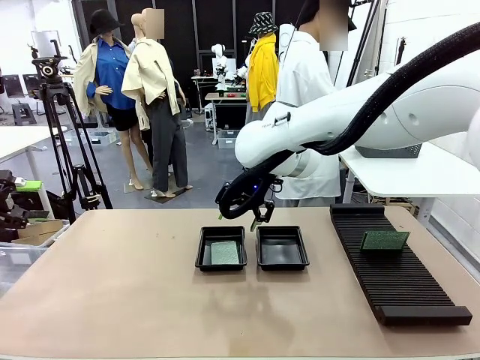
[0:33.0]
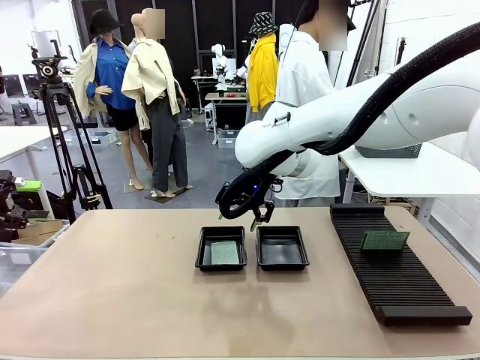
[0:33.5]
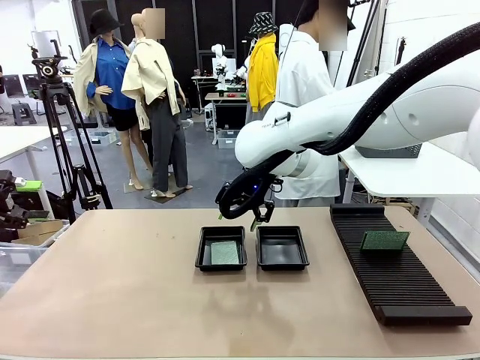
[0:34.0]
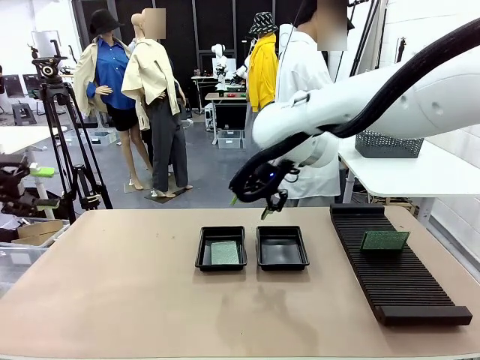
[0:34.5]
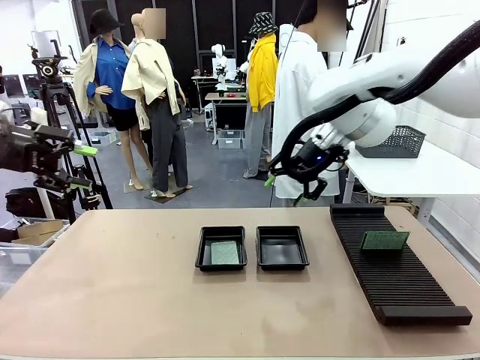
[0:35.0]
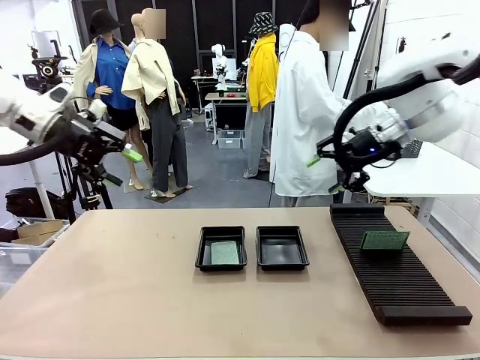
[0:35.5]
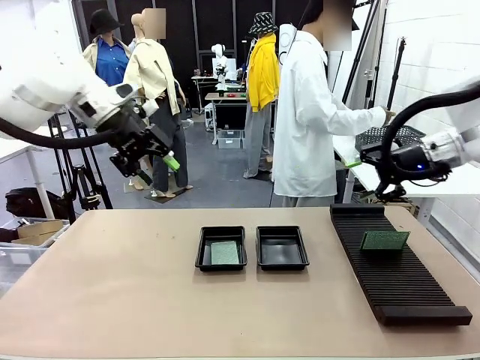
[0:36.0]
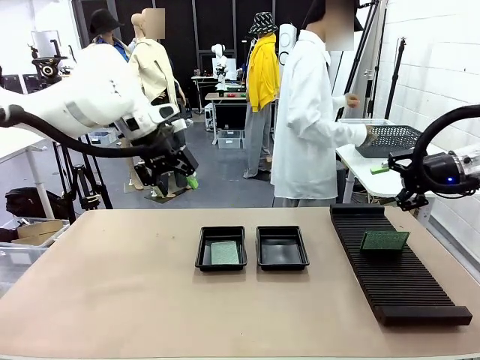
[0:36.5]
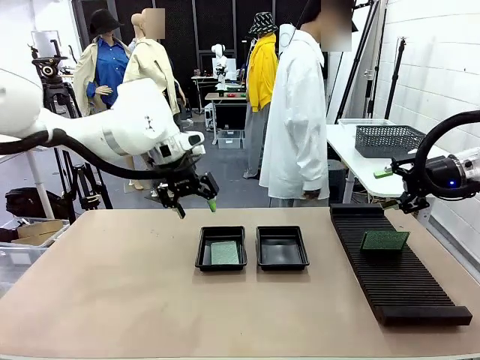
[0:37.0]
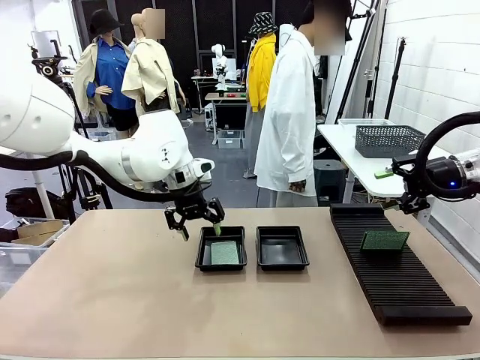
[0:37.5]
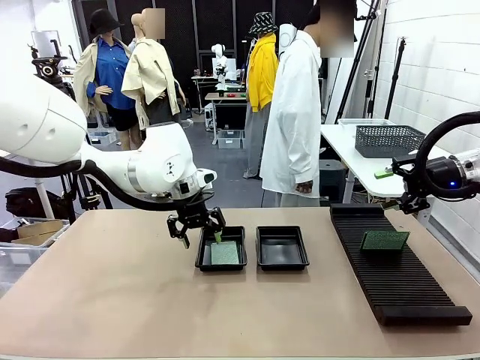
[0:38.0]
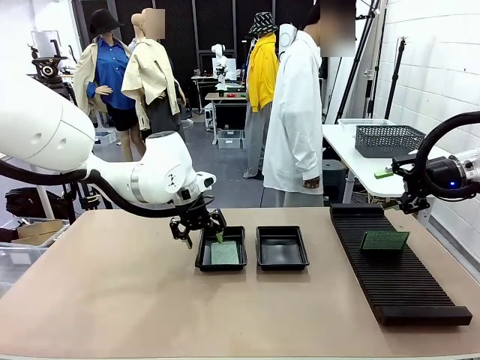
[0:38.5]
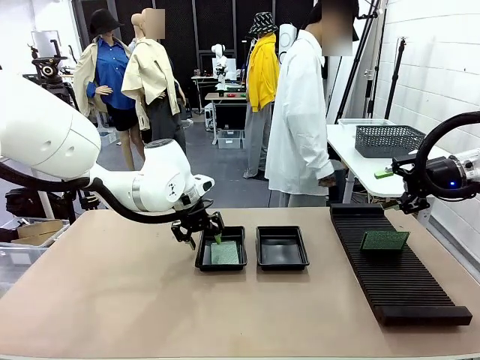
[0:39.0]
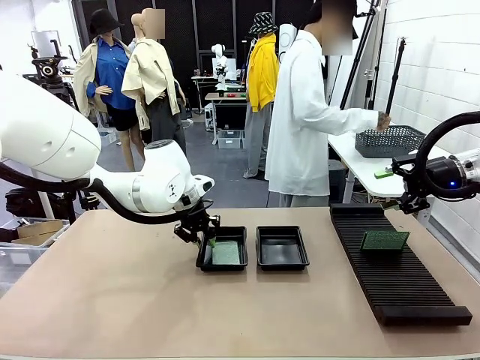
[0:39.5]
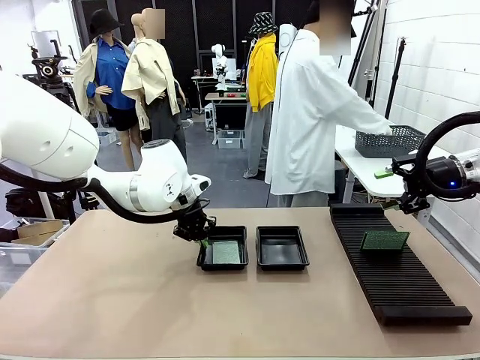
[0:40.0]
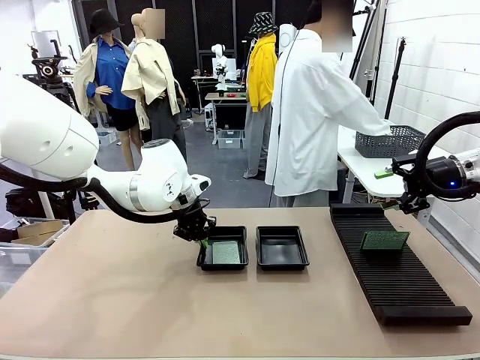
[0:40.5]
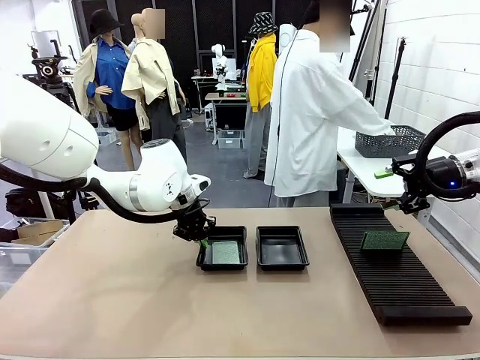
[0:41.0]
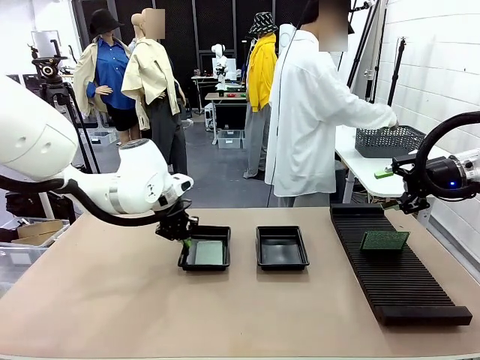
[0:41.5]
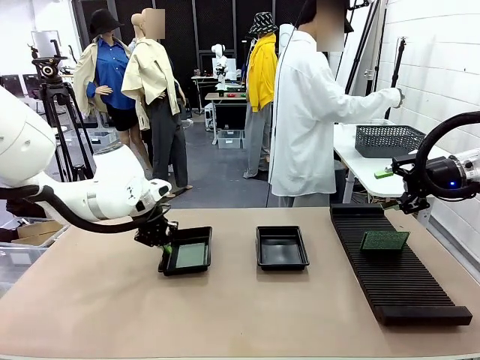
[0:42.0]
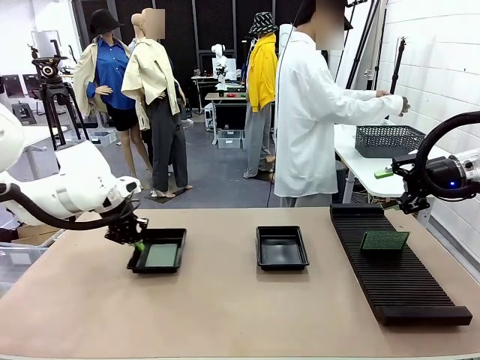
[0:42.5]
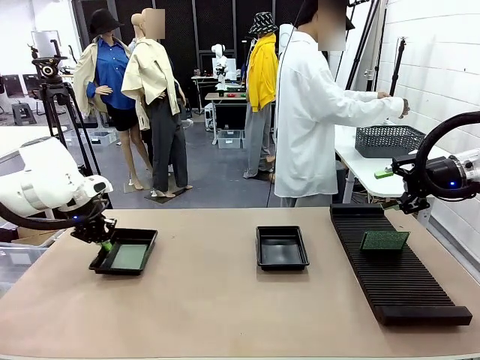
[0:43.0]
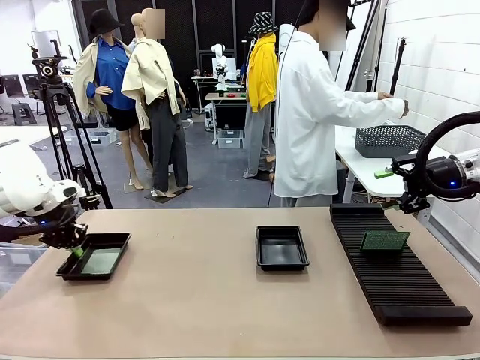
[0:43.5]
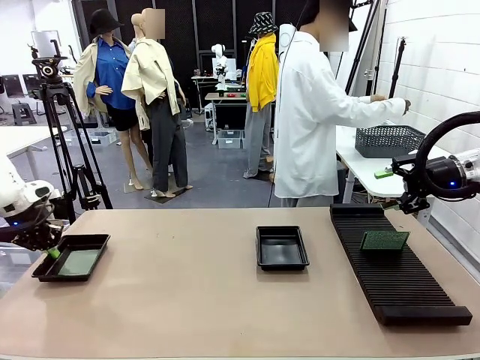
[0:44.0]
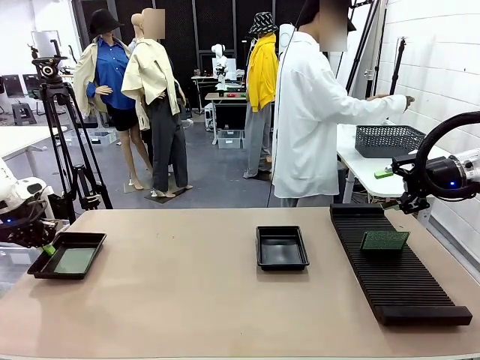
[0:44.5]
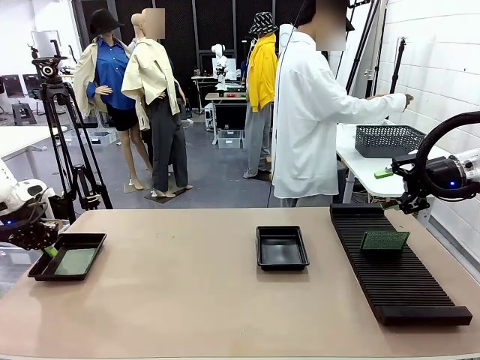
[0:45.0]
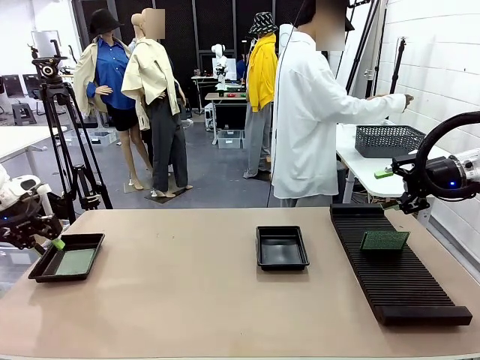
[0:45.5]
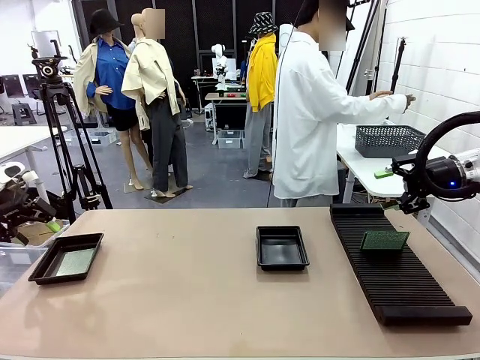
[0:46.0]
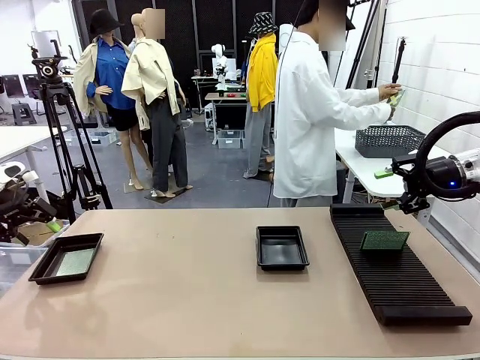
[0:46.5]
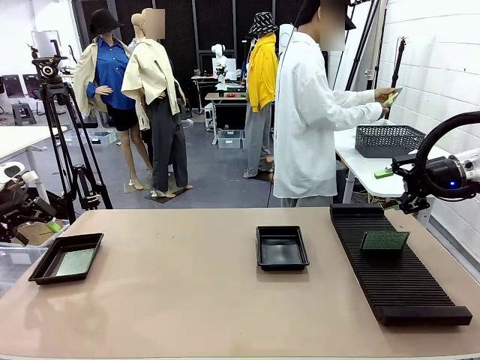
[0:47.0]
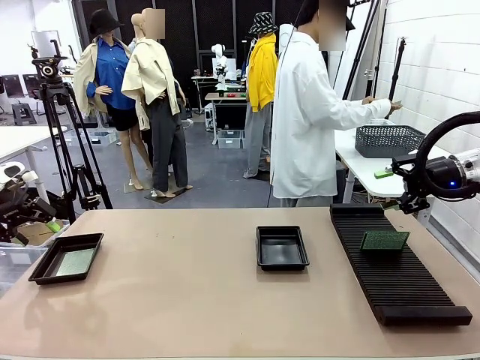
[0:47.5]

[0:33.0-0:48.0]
Task: Inspect and transfer BCBs to ESD trays.
Robot: Pick up the ESD tray and place it on the left side of the table.

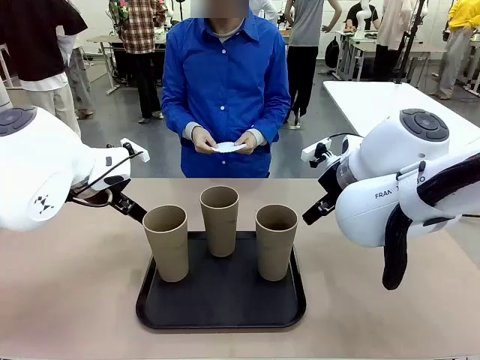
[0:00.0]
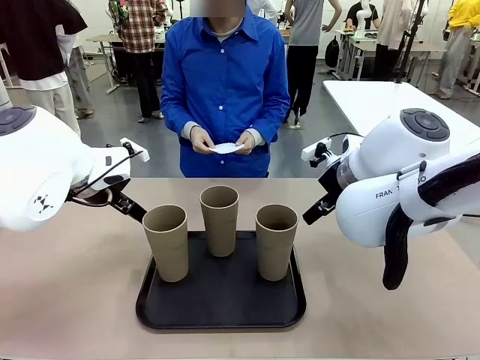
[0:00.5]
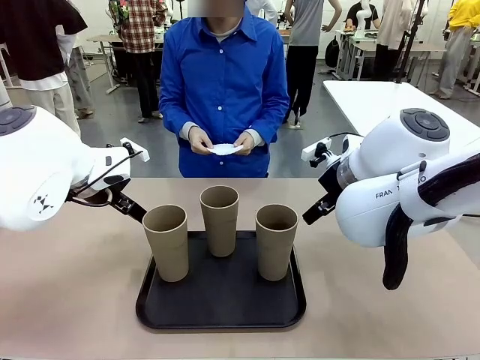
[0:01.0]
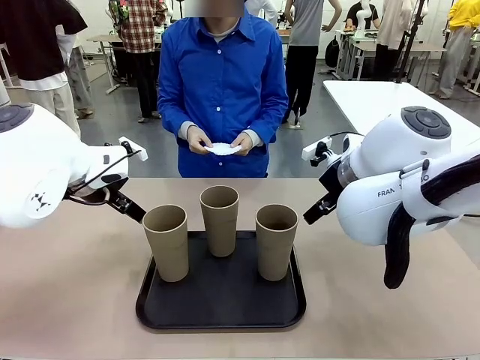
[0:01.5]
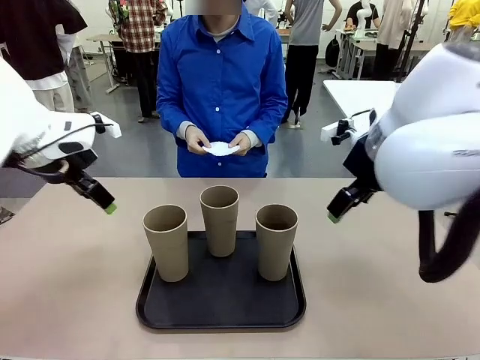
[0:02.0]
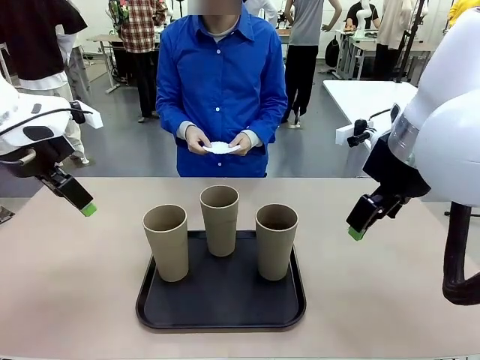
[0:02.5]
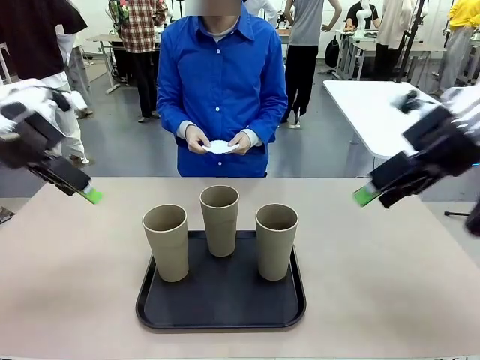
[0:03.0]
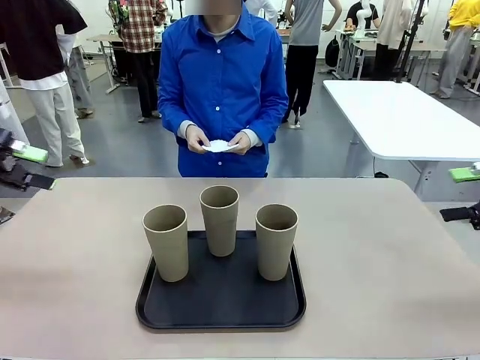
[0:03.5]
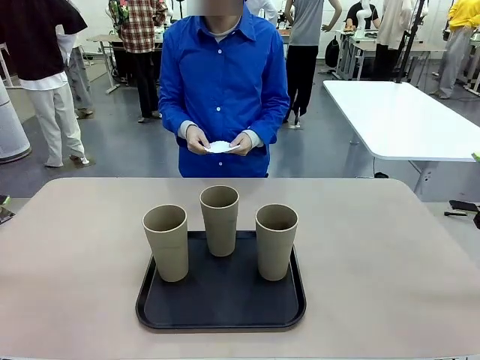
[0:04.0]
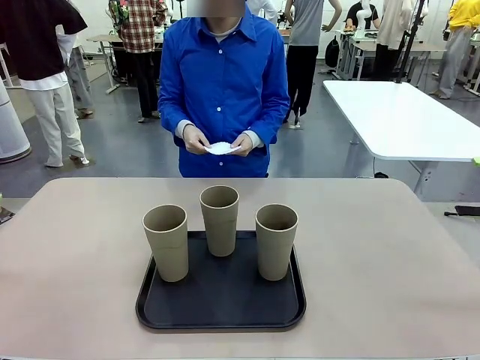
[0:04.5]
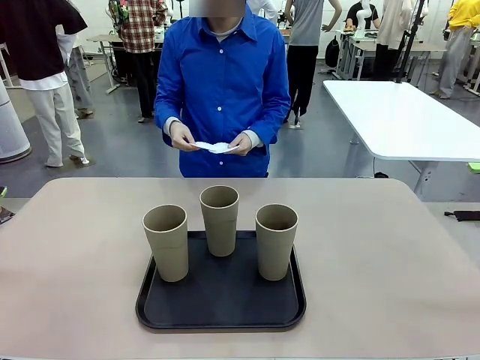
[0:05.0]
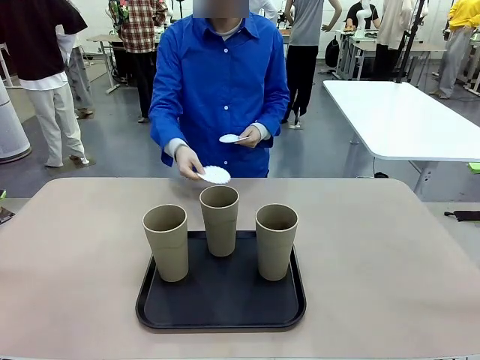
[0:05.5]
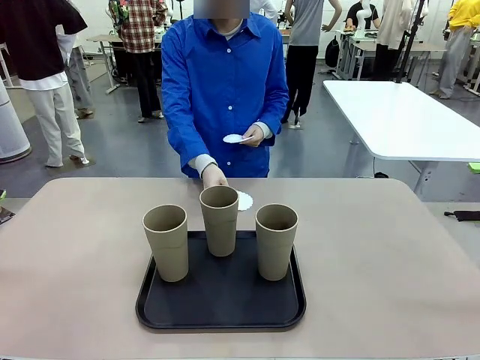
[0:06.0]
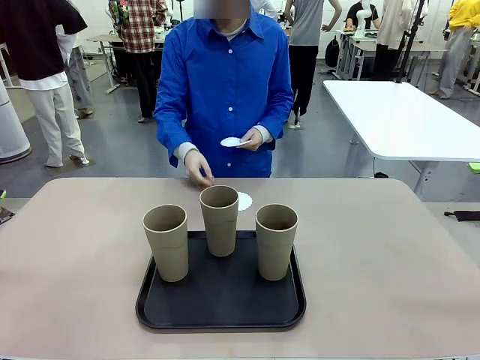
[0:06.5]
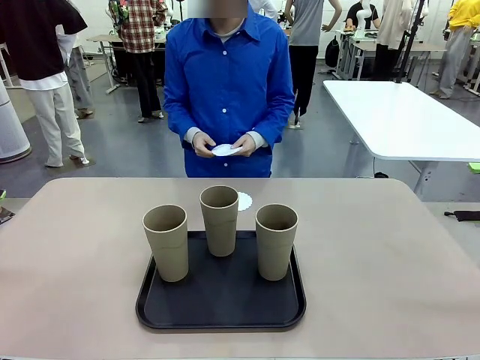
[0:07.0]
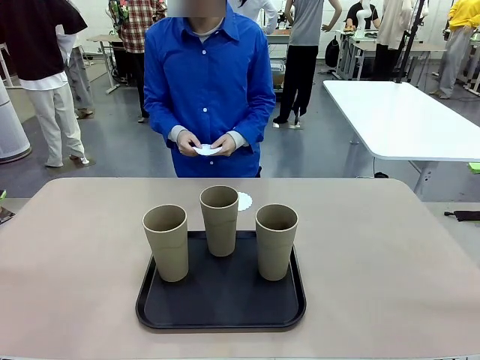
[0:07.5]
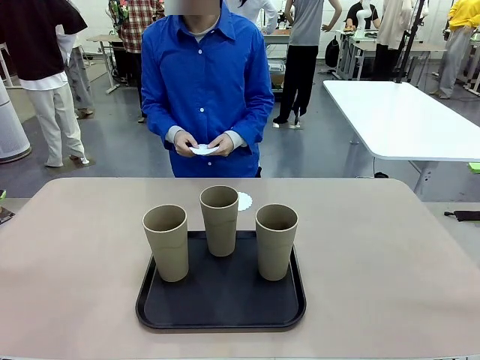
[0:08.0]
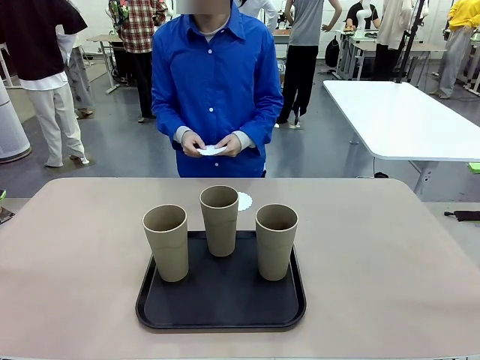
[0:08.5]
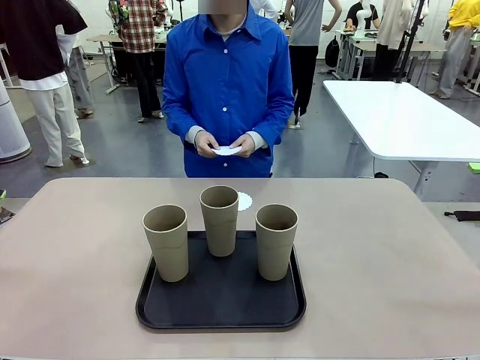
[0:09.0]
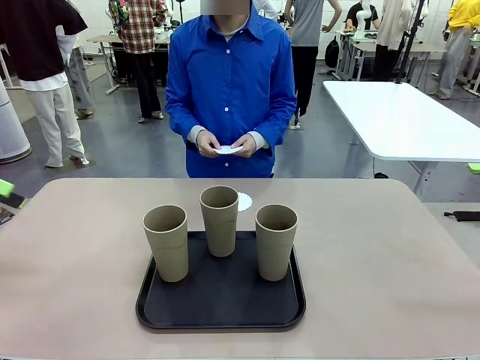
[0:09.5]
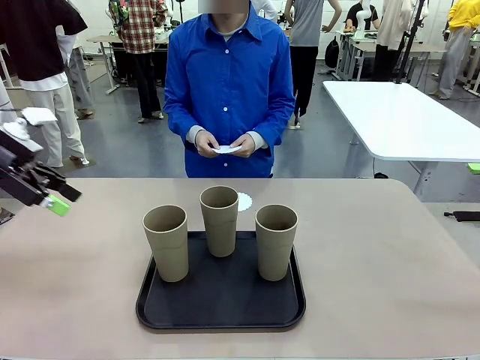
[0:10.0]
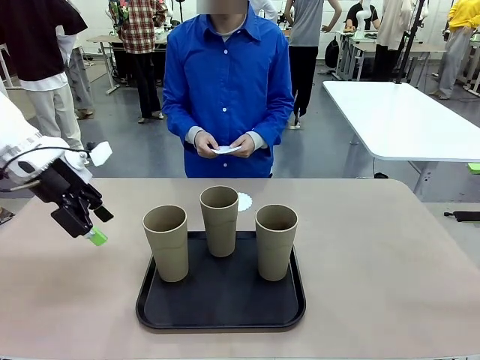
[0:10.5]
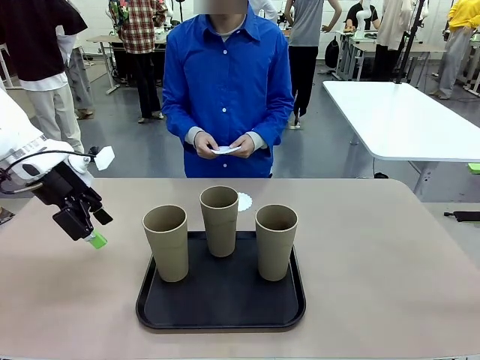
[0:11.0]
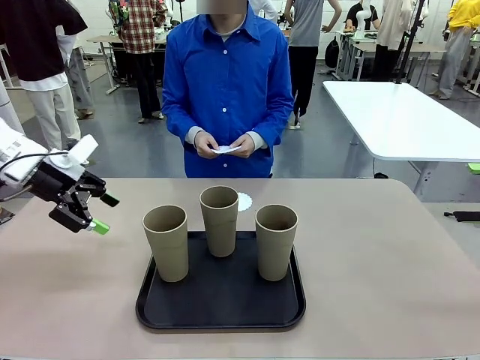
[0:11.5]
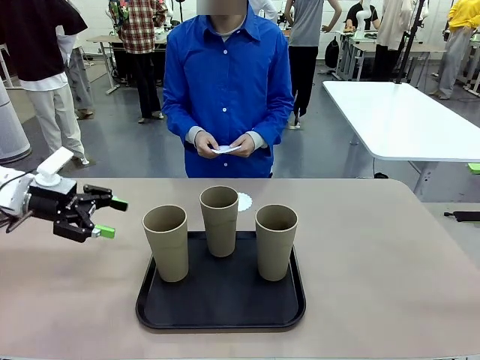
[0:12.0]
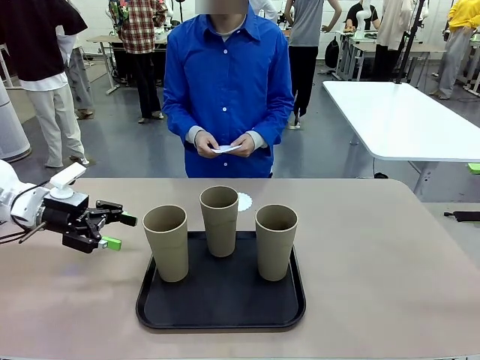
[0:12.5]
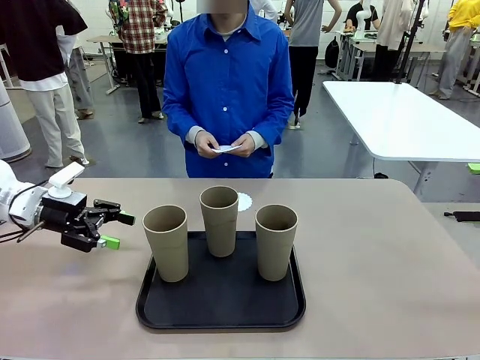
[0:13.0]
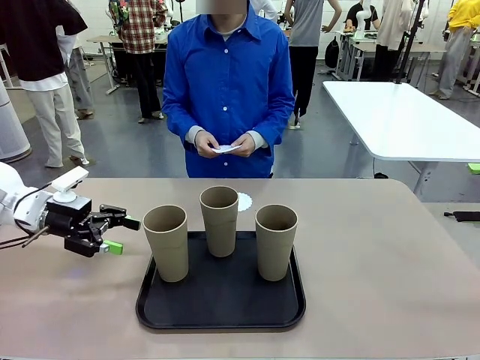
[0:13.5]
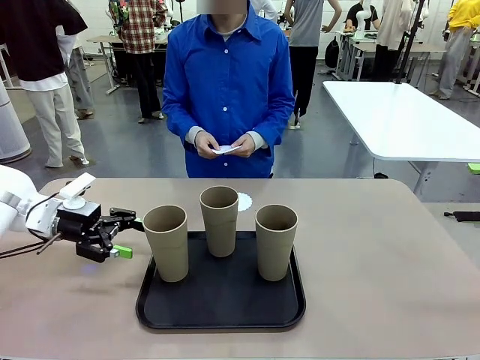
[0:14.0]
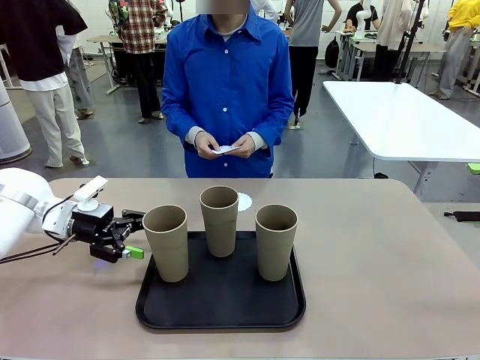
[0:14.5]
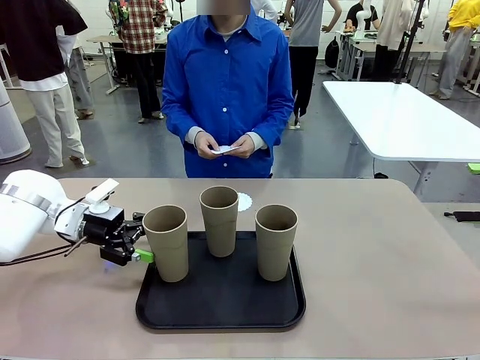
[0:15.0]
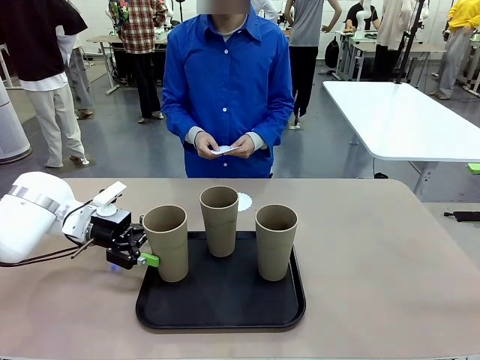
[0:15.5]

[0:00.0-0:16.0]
Task: Place coasters on the table and set cups on them.
Robot: Pick up one Reusable plastic cup and place it on a coaster set by the human.
Person: Place one coaster in any one of the three lower areas of the robot table (left, center, or right).
